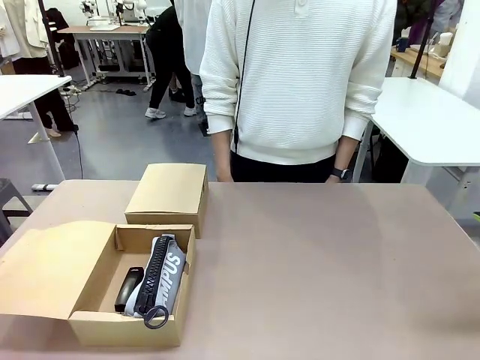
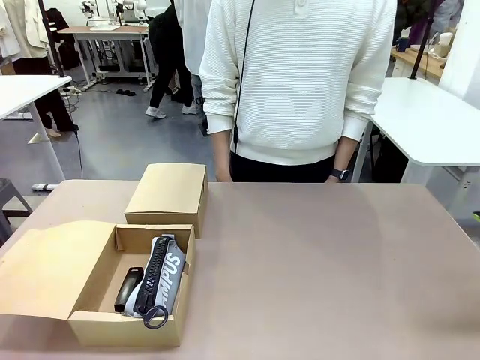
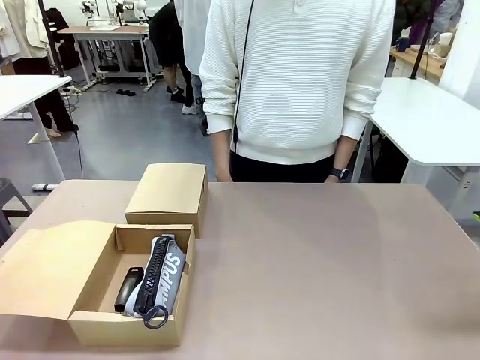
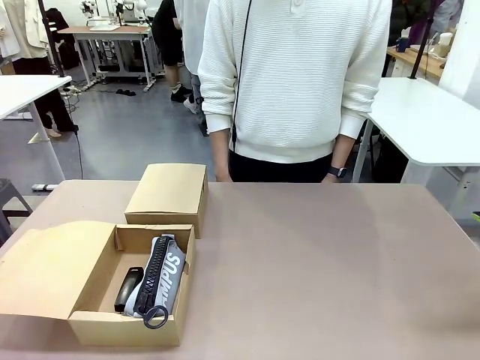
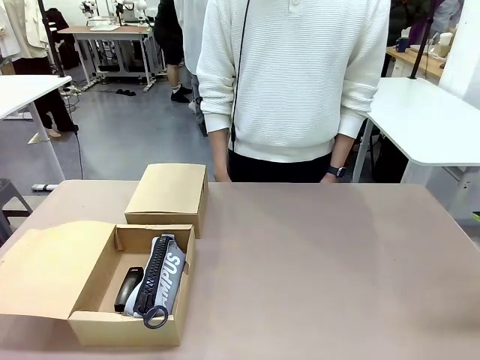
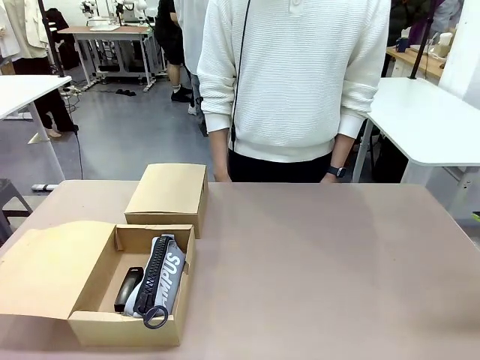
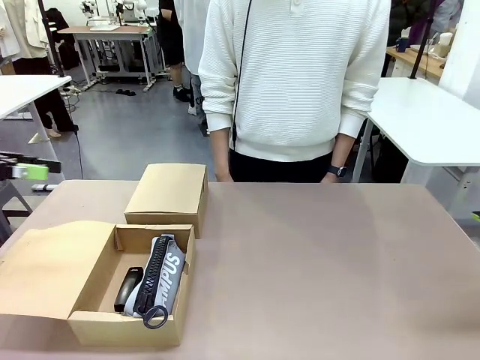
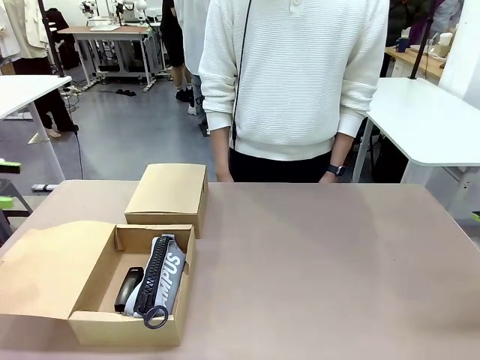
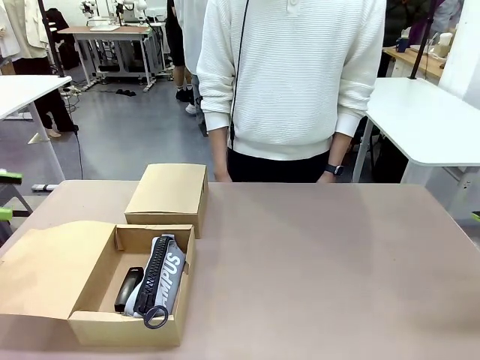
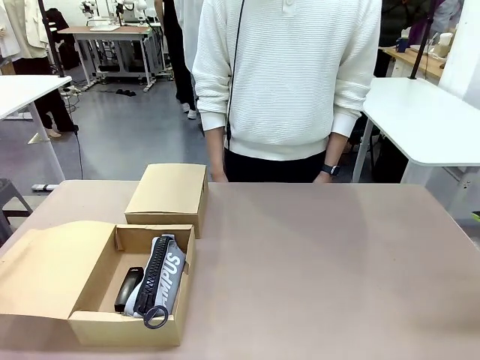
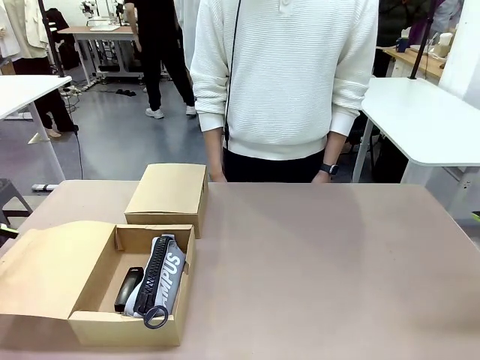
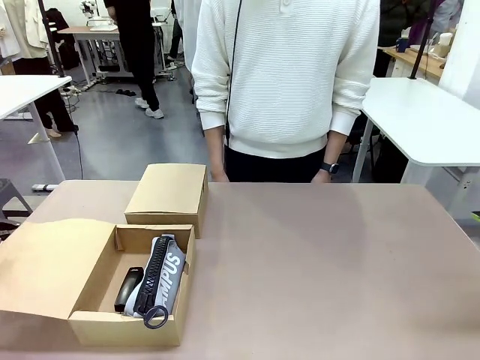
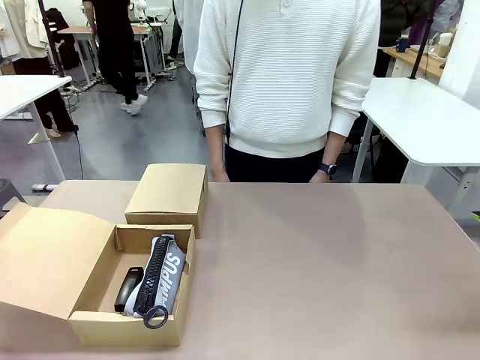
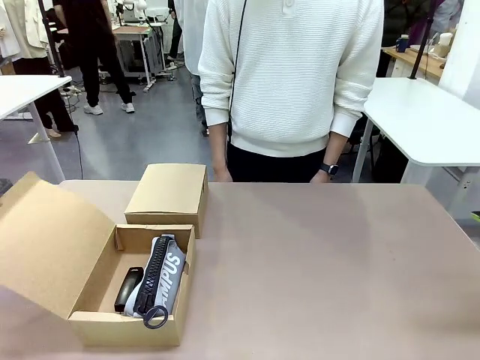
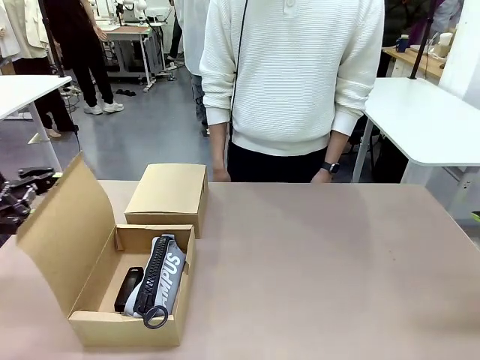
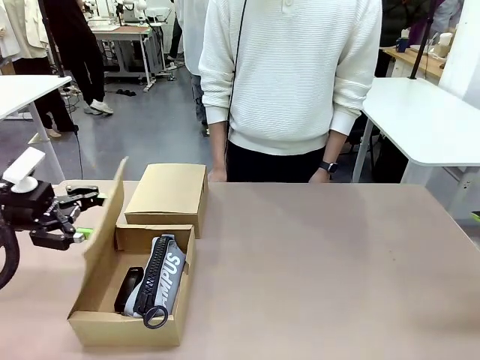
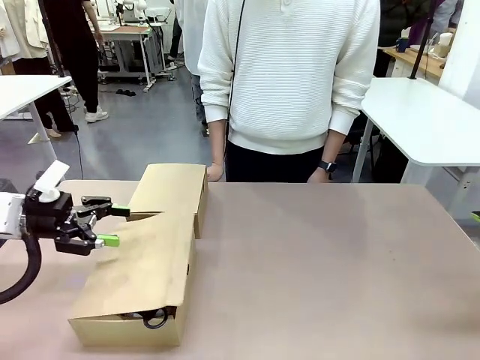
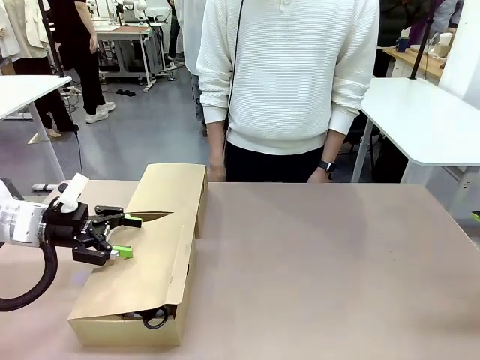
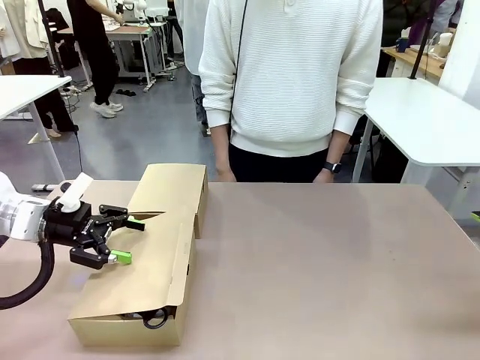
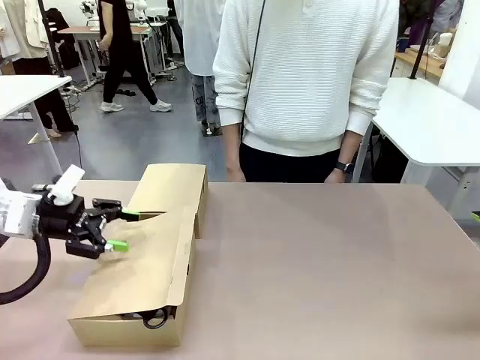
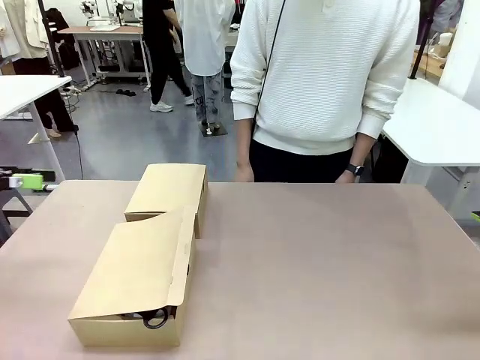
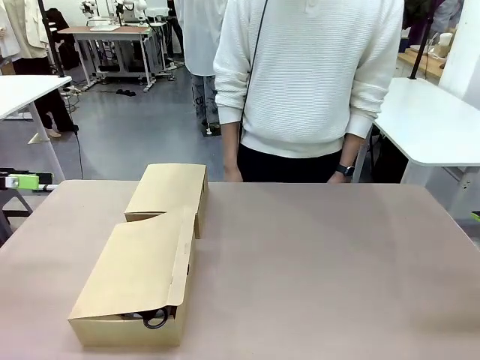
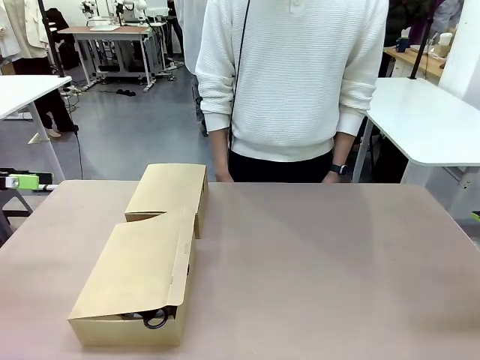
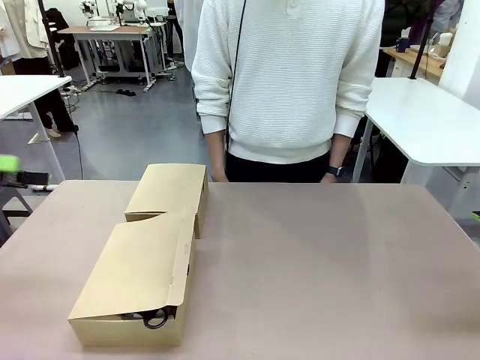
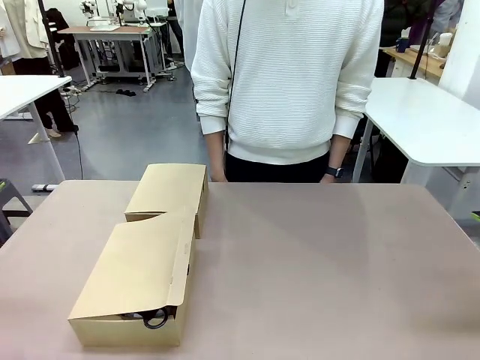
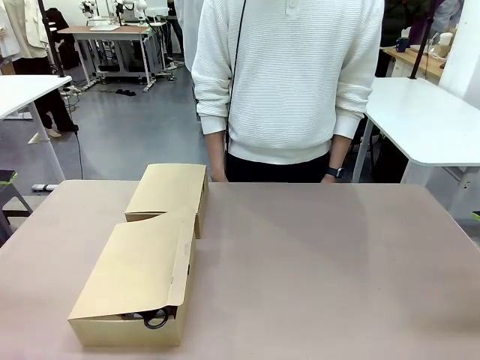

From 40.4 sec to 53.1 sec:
Task: Place items inside the box.
Robot: Close the lid of the Mailer Box closest to the robot.

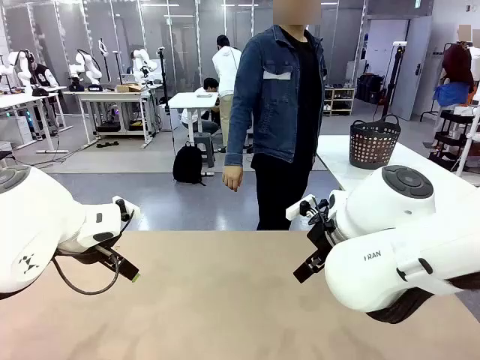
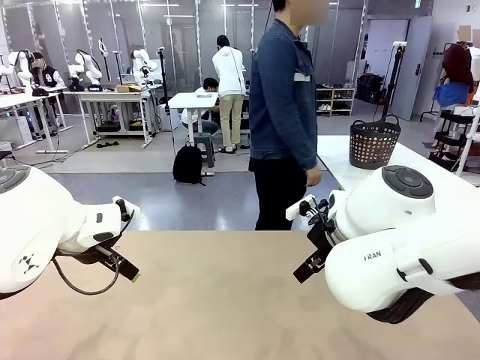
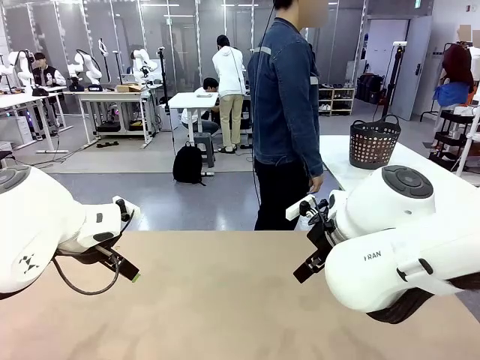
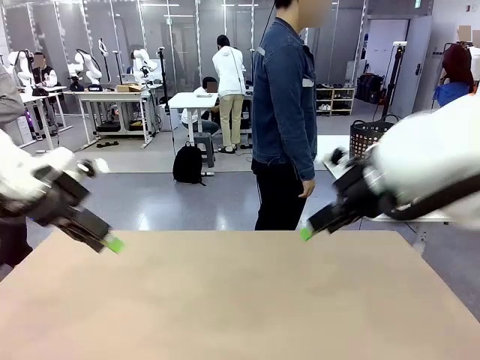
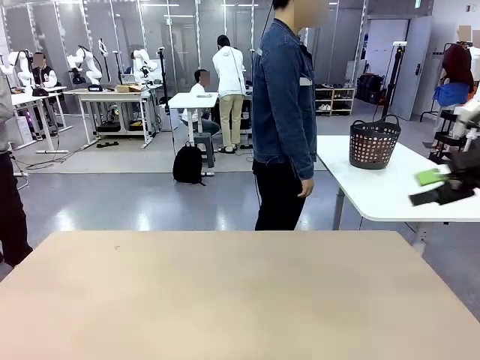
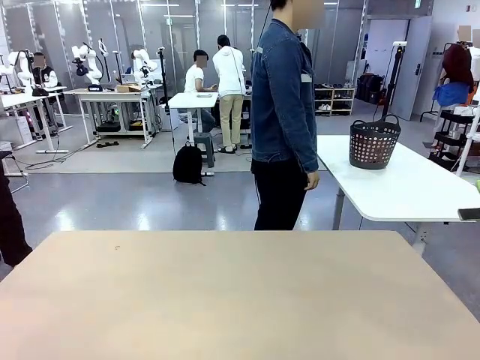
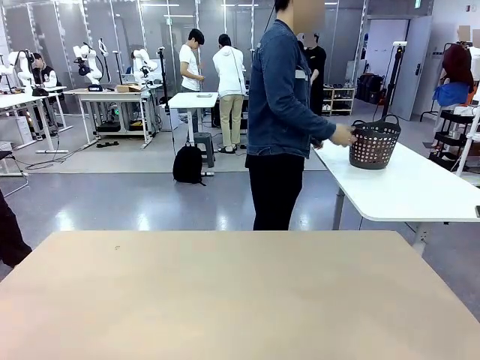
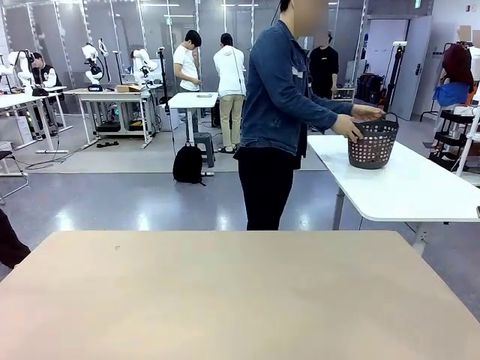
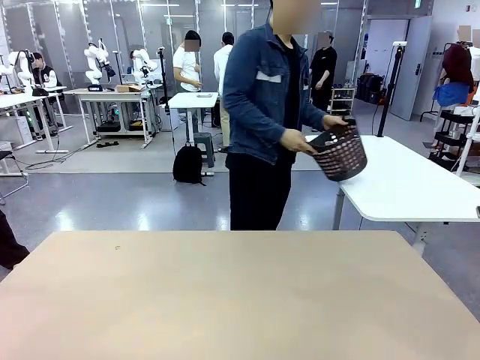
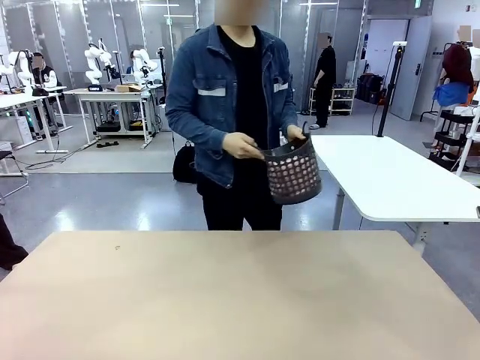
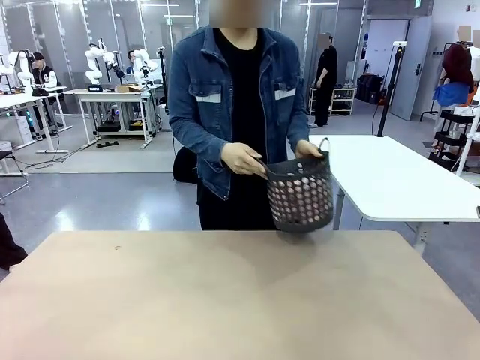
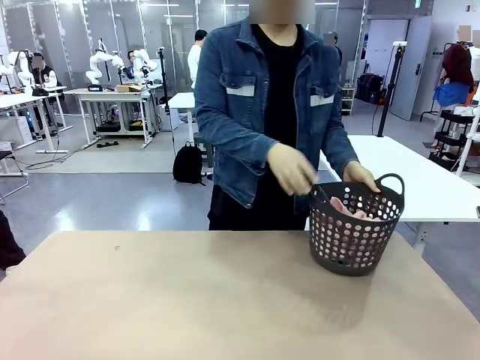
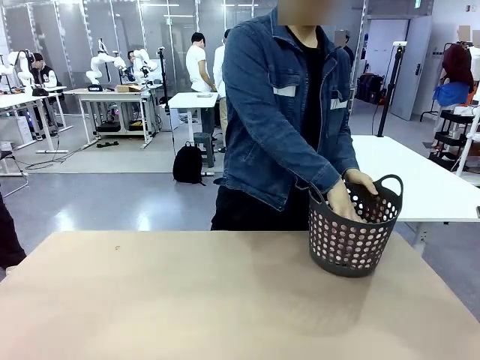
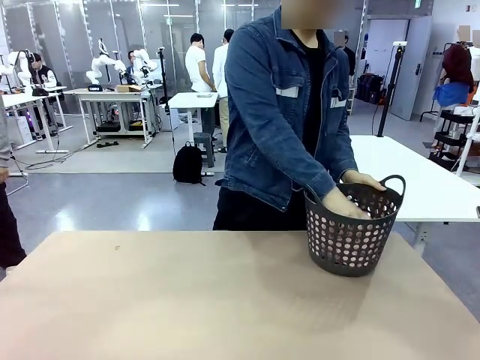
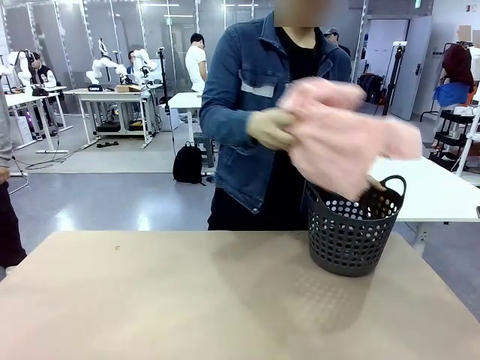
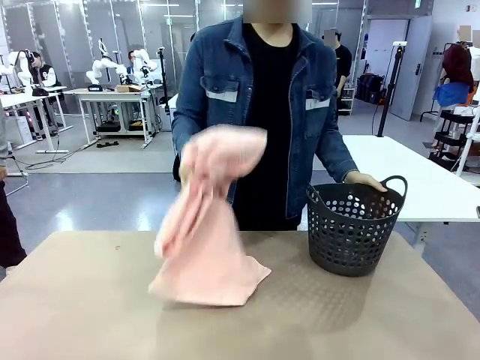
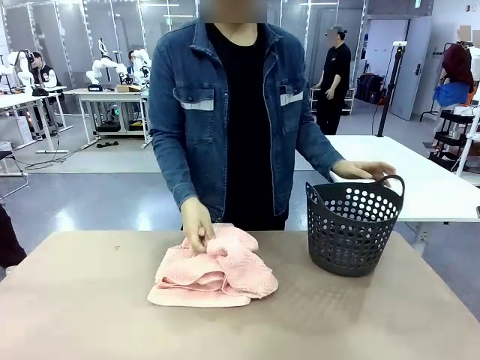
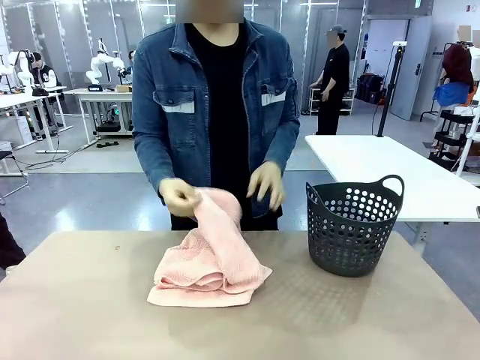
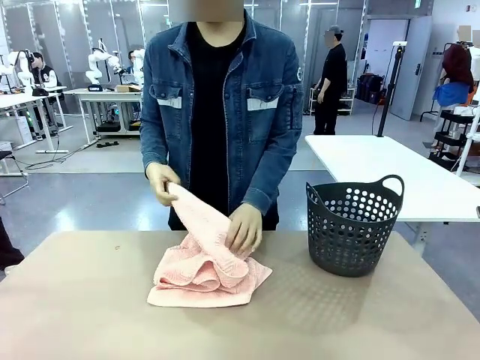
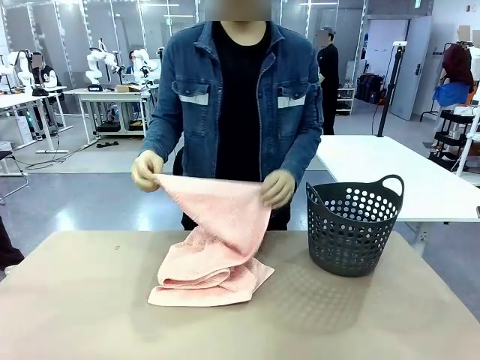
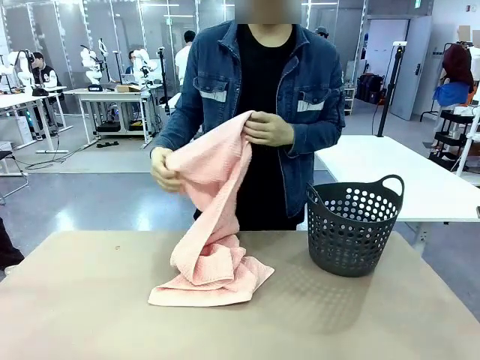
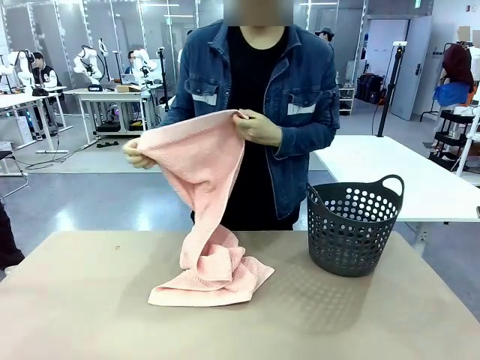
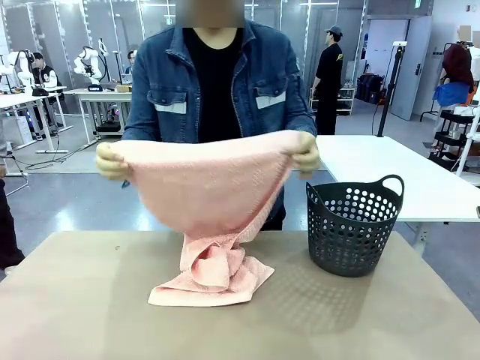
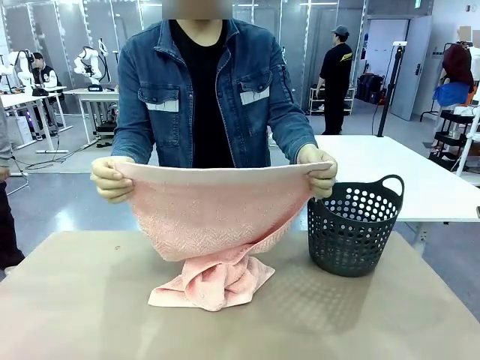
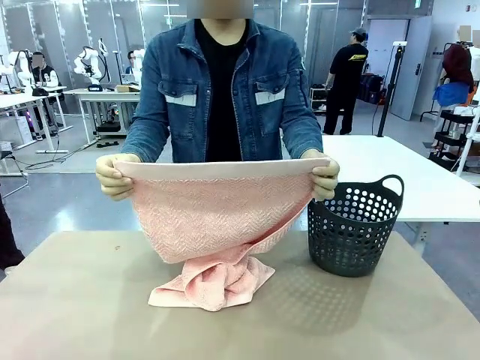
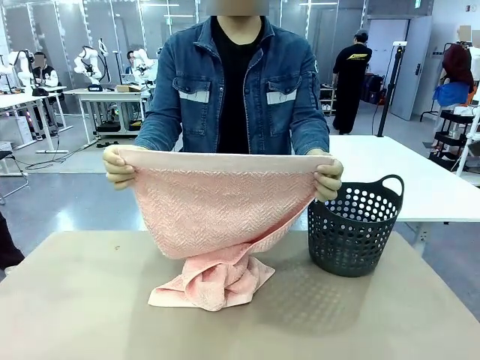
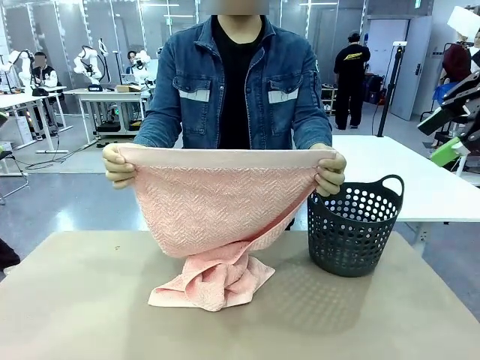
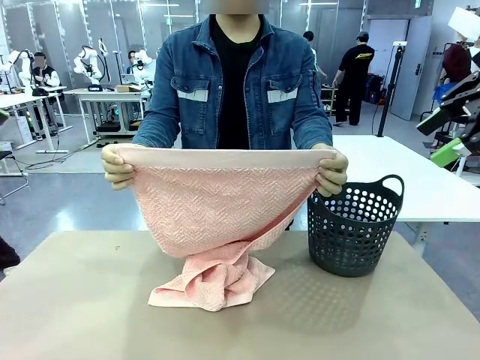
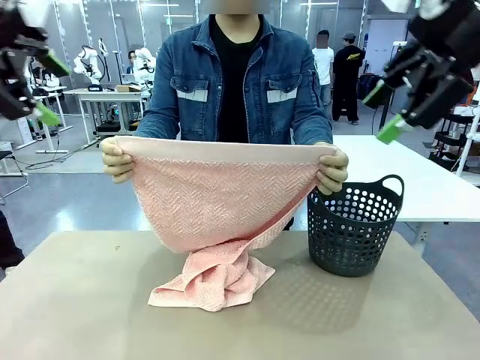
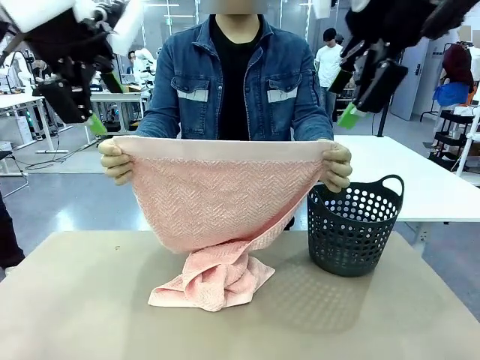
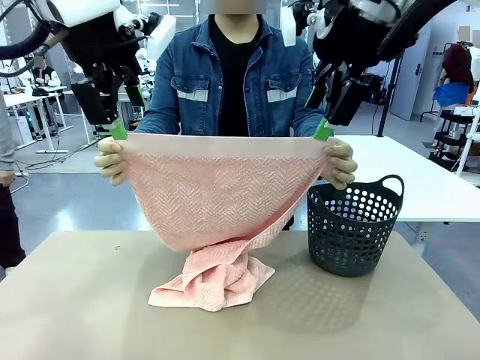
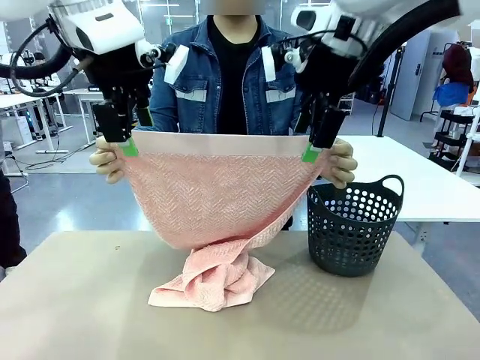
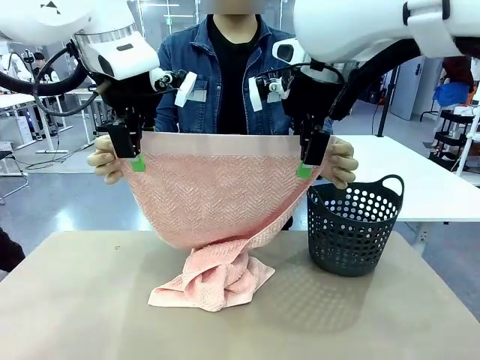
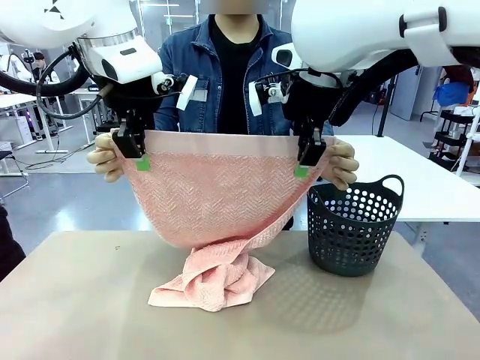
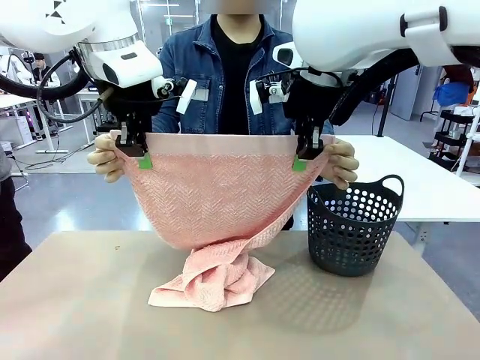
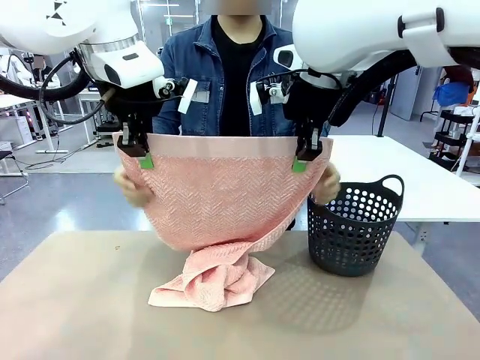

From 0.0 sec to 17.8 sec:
Task: Fold the towel.
Robot: Grab the top end of the 100 cm Hotel Towel extended by the human.
Person: Pick up the laundry basket, place it on the left side of the robot table, then take out a towel and hand it to the robot while holding both corners of one end.
